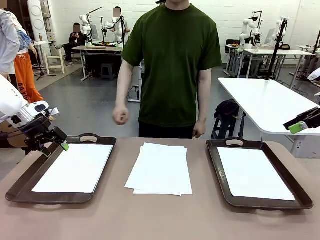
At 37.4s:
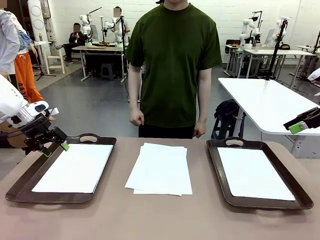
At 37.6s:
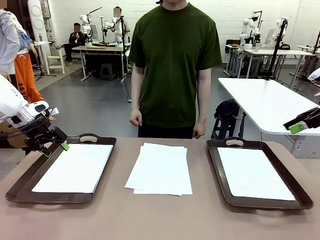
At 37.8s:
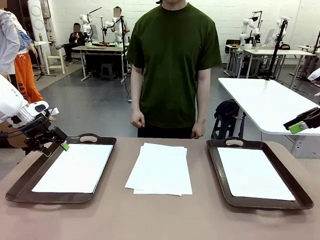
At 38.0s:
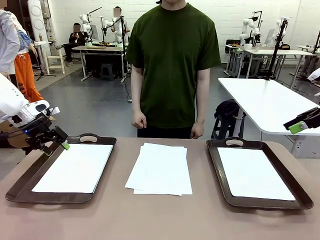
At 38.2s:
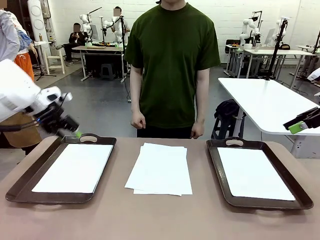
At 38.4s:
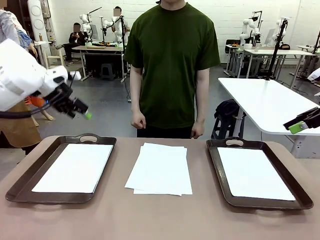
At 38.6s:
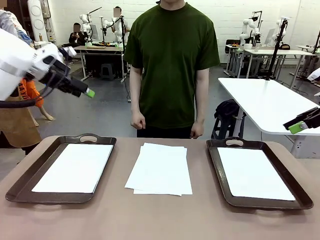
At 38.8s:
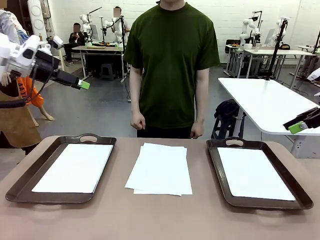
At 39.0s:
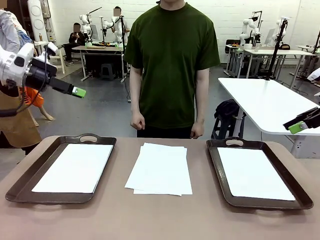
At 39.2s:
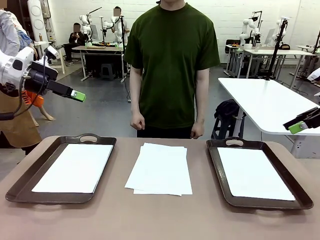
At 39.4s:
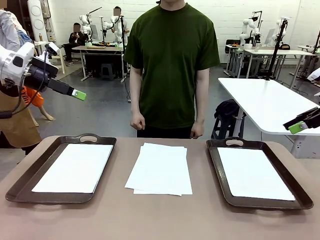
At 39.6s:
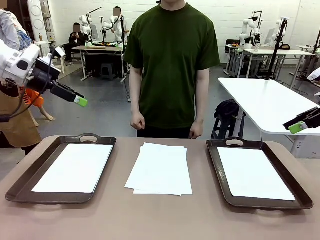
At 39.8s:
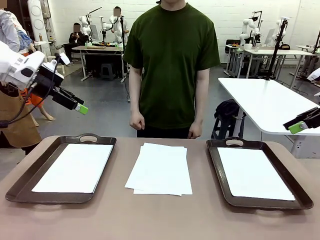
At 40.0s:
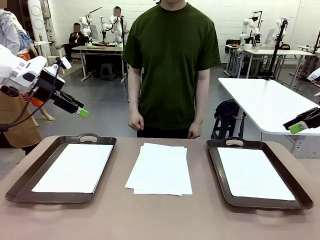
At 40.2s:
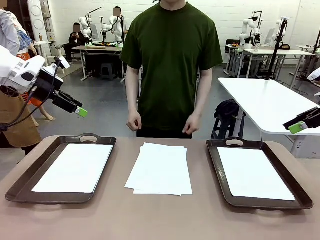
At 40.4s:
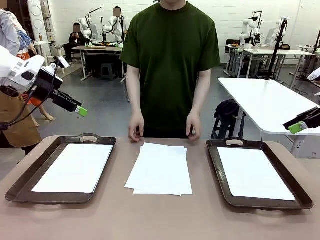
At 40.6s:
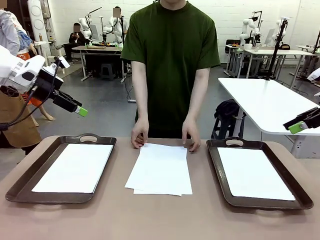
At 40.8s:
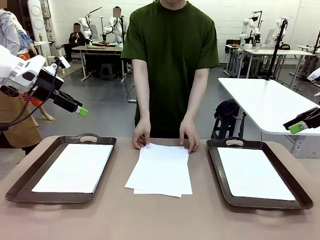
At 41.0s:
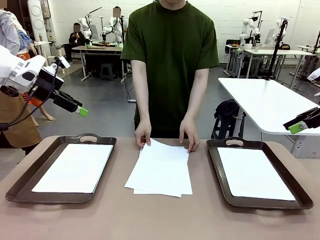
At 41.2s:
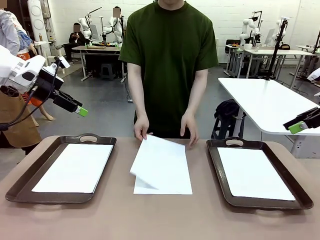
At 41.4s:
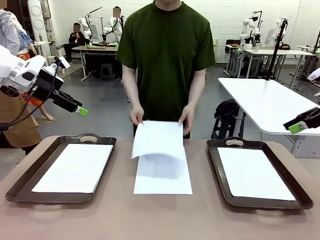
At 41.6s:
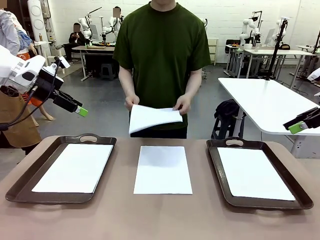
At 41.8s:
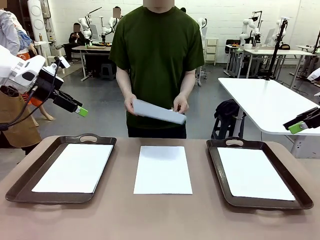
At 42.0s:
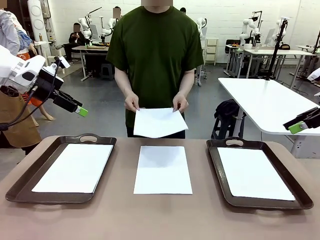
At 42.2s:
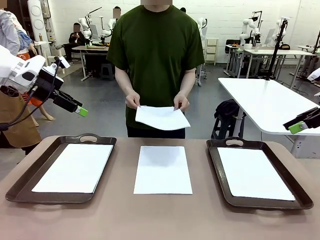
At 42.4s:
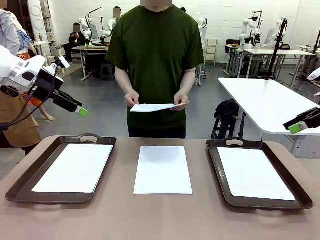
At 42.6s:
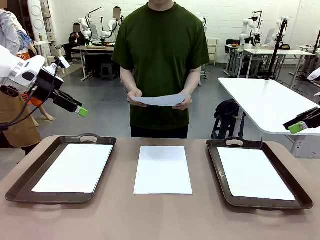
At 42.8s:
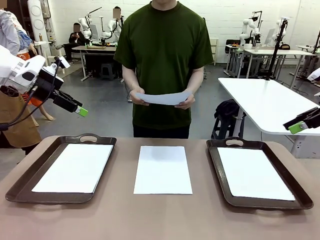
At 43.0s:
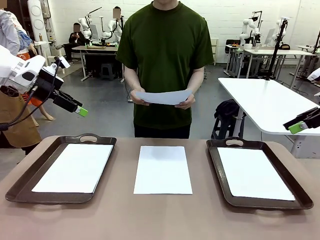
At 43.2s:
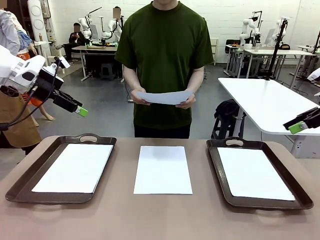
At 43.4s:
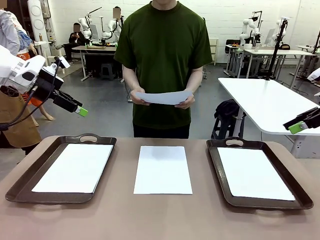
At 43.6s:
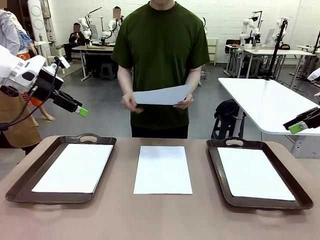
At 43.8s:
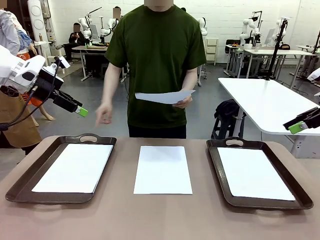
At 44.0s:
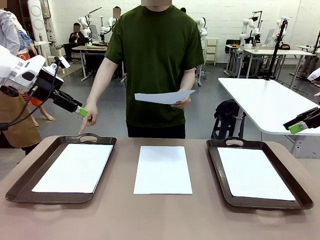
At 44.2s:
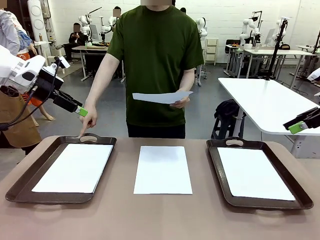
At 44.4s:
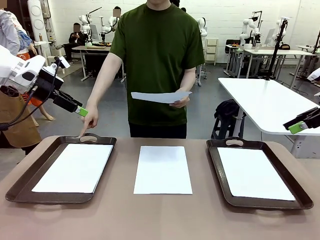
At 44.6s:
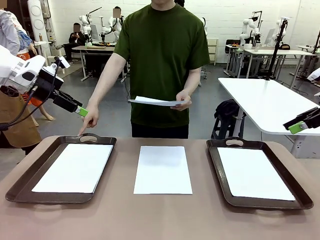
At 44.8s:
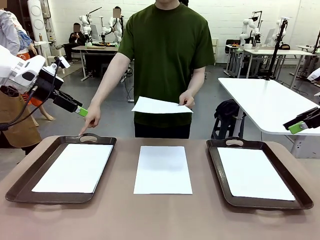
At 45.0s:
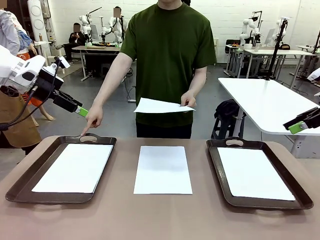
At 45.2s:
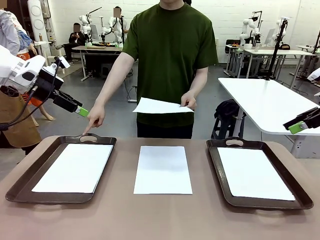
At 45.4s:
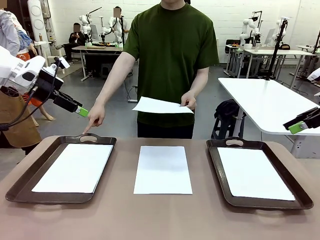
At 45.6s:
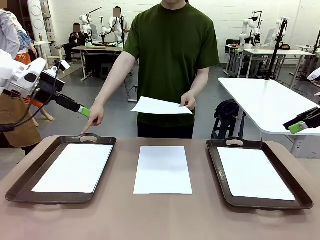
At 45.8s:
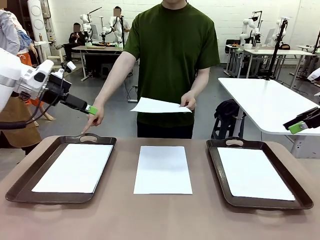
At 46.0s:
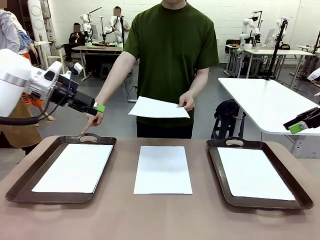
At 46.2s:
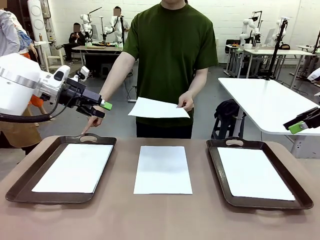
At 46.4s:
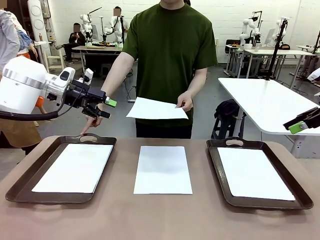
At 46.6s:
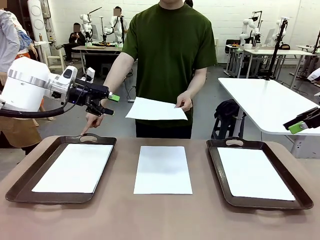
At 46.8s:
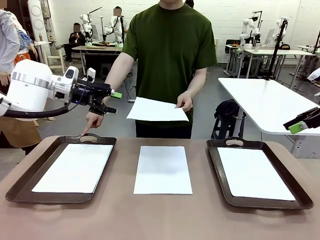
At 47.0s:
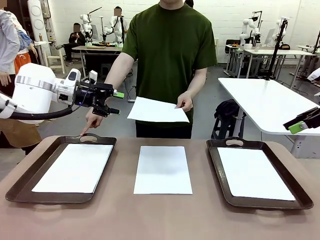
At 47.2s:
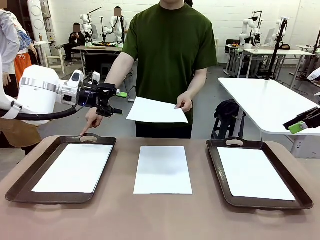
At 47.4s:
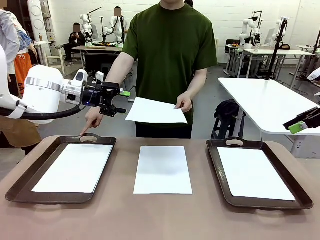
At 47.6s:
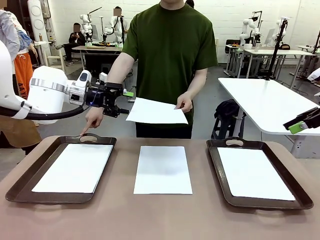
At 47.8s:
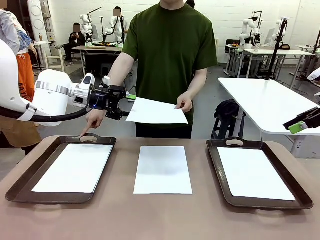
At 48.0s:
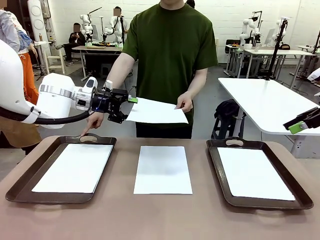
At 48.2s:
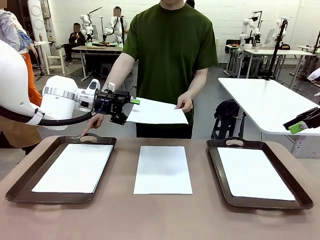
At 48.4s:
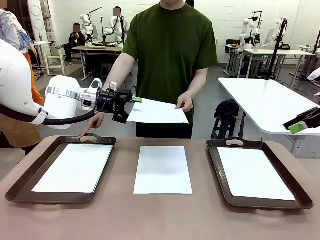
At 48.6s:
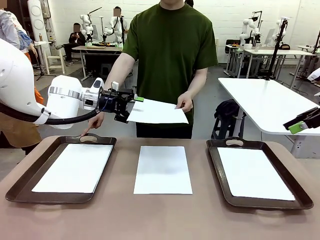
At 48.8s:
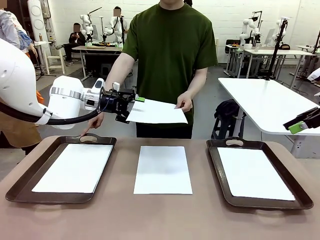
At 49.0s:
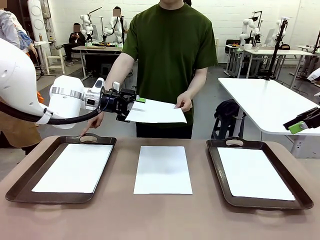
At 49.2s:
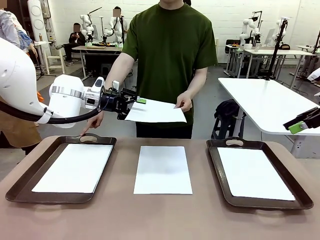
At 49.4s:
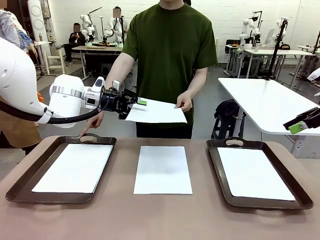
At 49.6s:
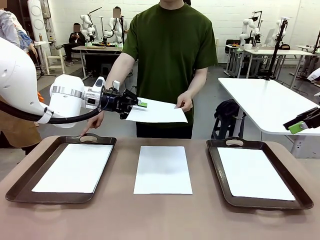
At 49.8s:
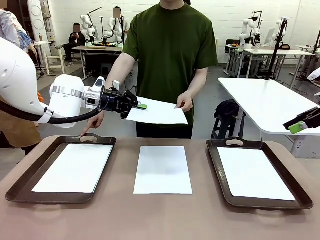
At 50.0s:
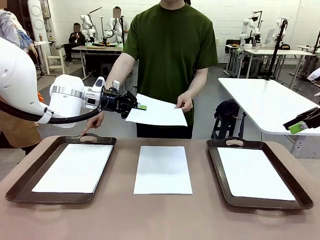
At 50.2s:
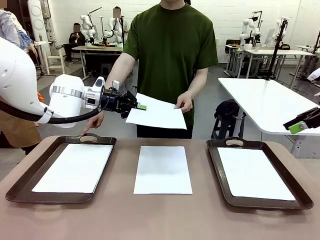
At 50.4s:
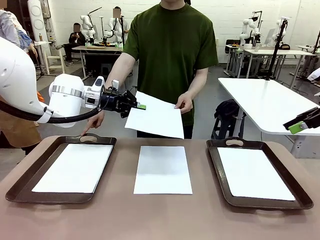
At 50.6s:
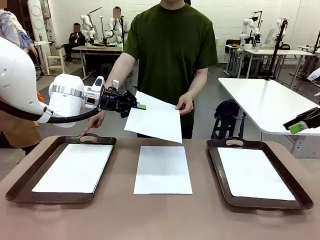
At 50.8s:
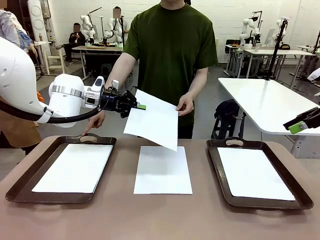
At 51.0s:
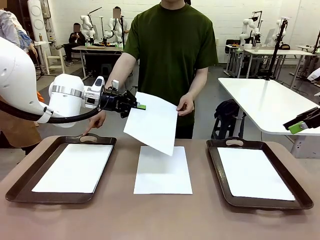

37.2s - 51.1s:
Task: Sort the A4 documents.
Robot: Receive the A4 Paper.
Person: Point the randomly selected tray with the other hand.

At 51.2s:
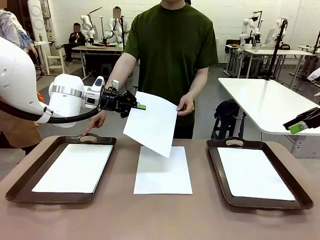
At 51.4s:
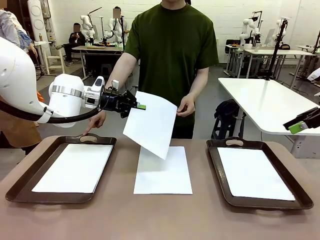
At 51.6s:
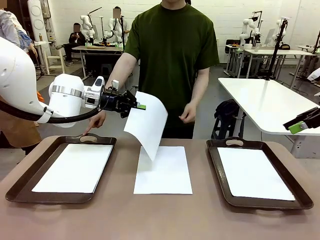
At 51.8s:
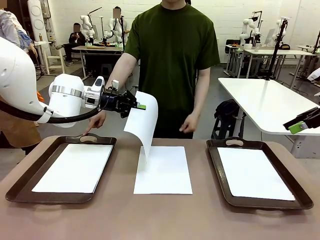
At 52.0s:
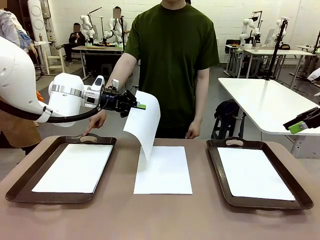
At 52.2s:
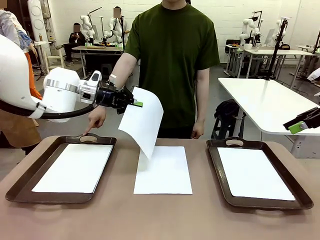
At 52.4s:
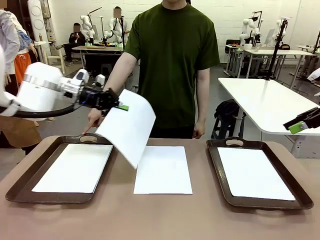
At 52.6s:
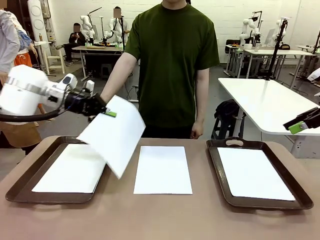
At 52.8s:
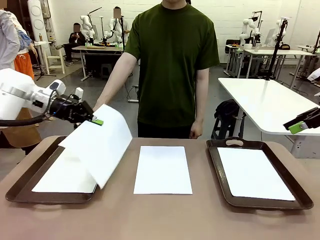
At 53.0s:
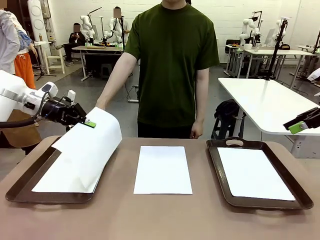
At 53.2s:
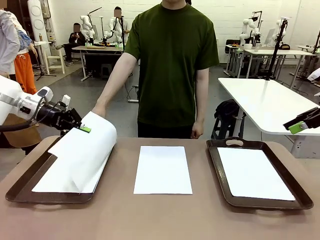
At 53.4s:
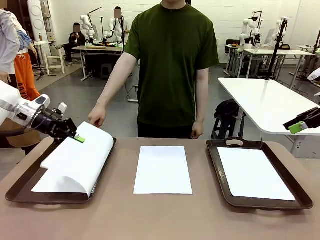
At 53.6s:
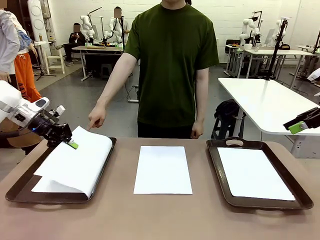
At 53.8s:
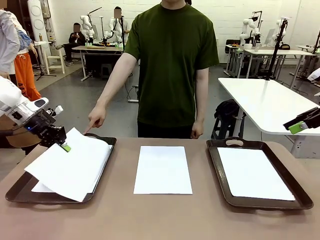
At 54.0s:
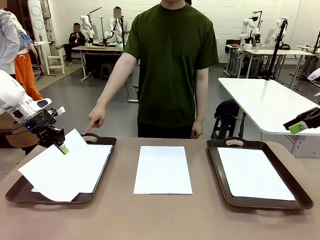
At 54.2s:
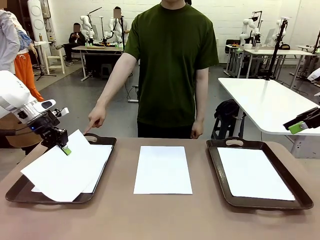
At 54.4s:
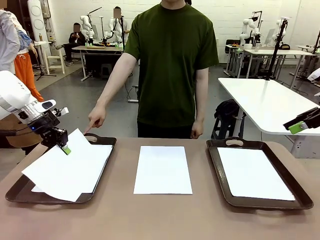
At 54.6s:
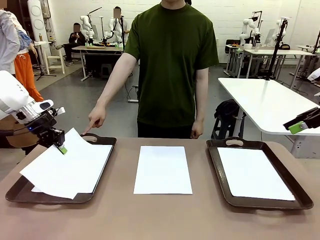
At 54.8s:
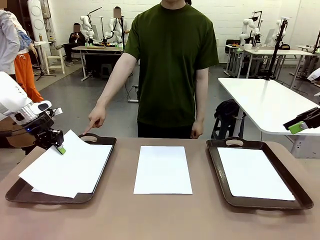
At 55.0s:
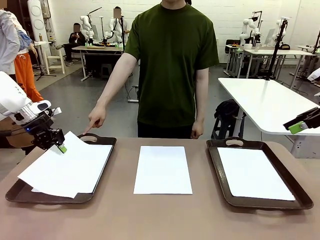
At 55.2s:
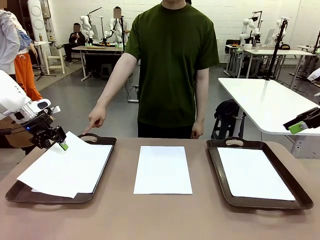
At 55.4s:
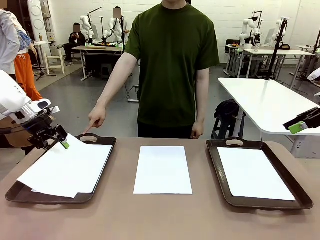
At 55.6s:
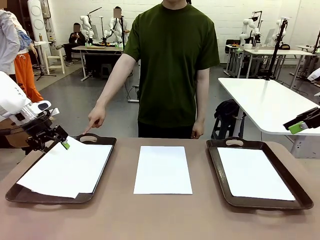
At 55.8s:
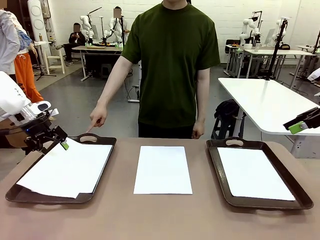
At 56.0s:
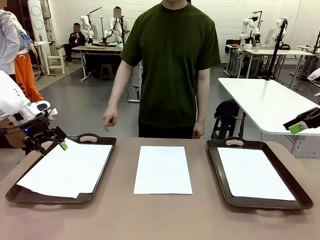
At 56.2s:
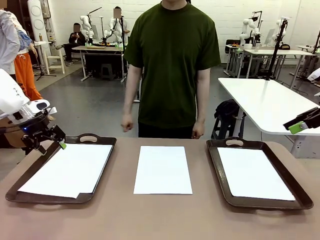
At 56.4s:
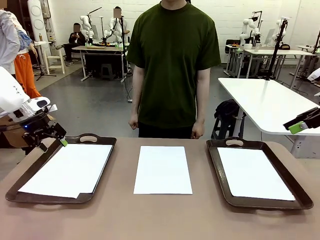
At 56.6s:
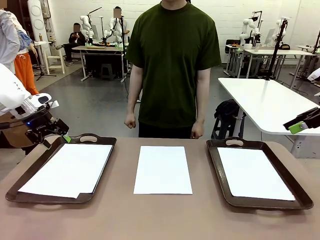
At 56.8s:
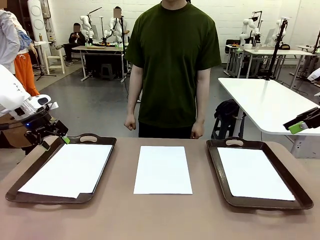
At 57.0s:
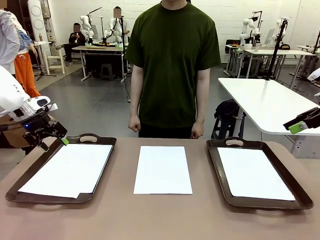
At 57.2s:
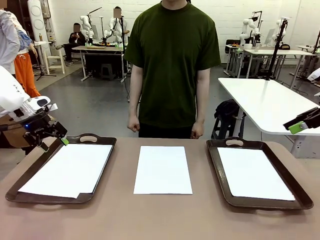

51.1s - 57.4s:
Robot: Place the A4 Paper in the designated Handle tray.
